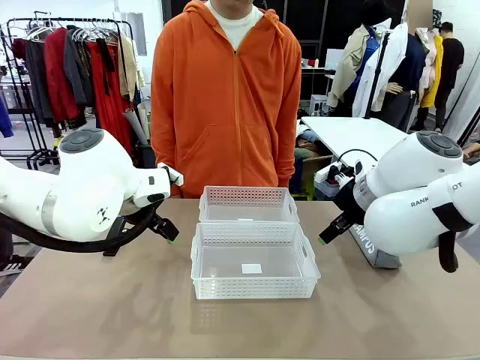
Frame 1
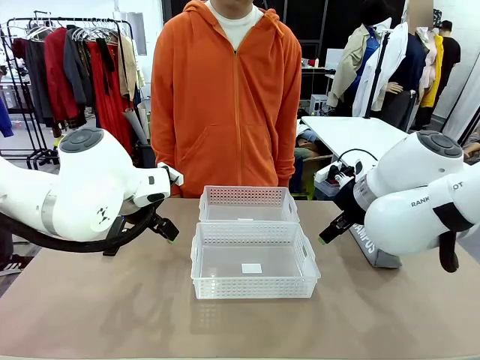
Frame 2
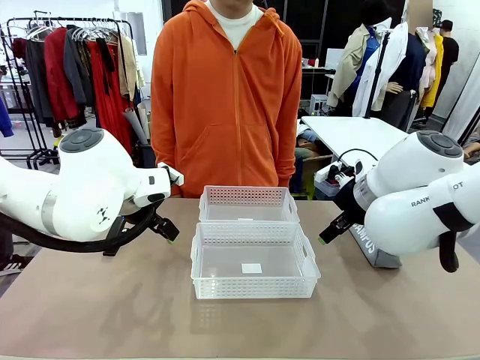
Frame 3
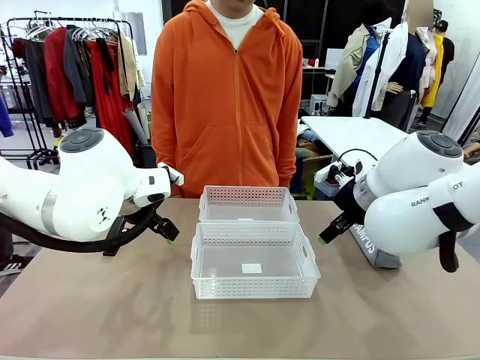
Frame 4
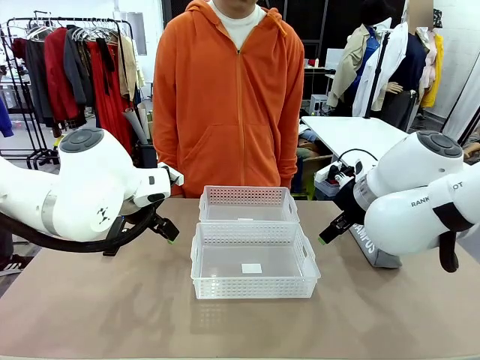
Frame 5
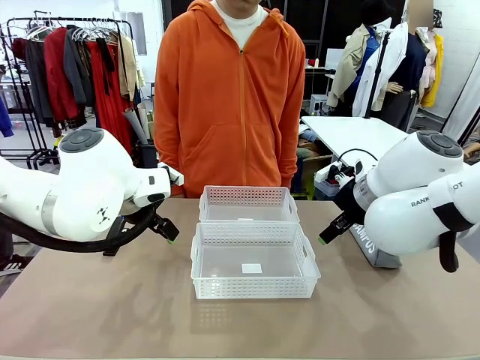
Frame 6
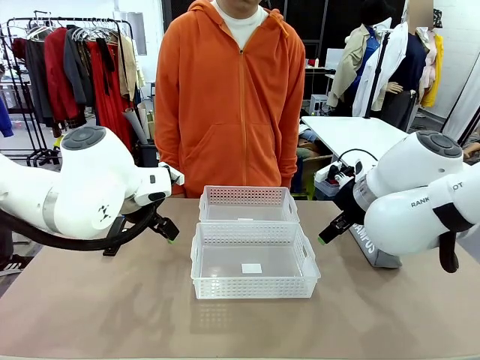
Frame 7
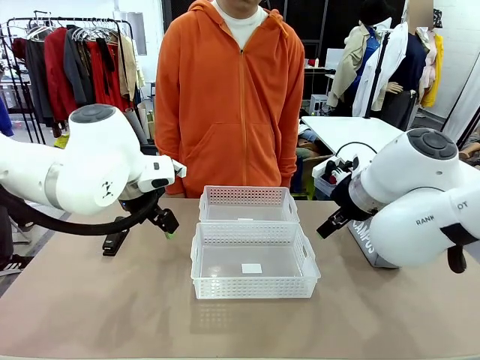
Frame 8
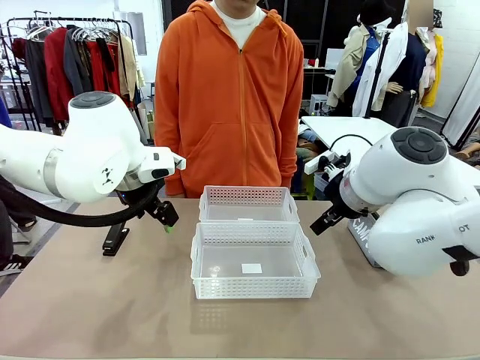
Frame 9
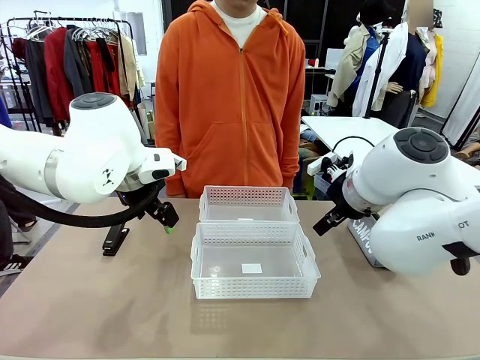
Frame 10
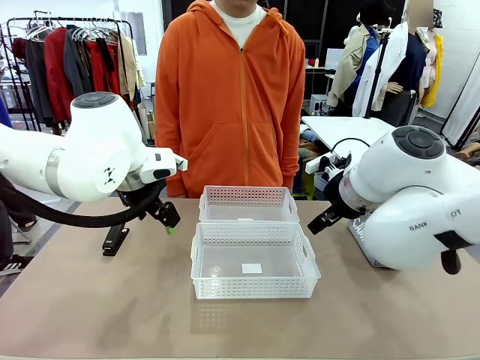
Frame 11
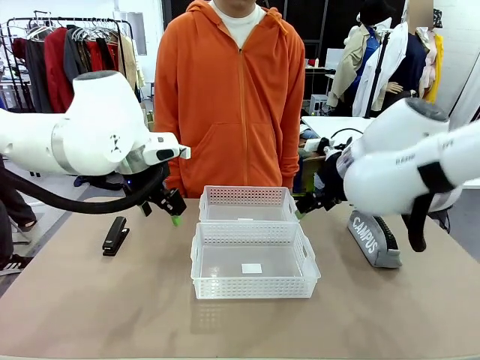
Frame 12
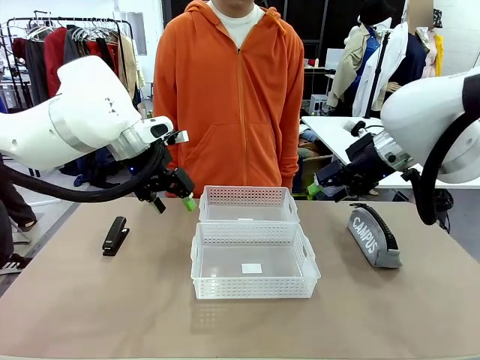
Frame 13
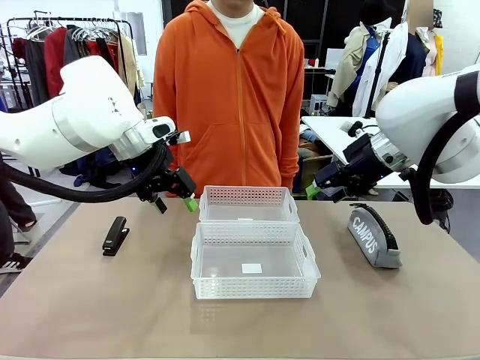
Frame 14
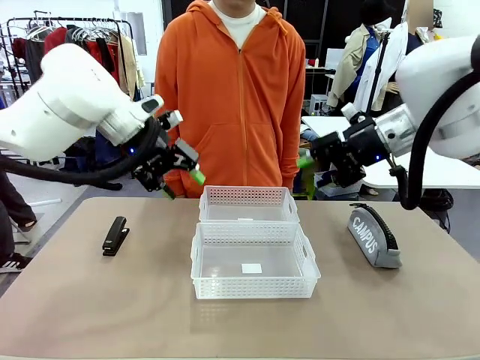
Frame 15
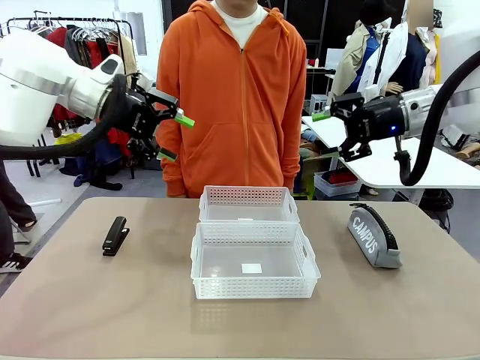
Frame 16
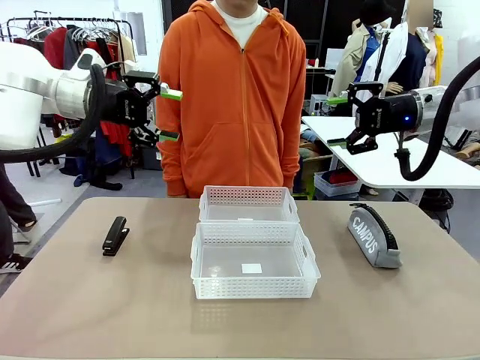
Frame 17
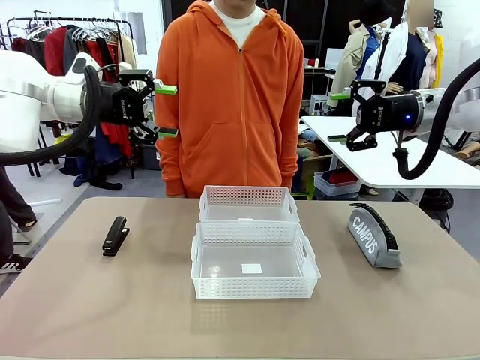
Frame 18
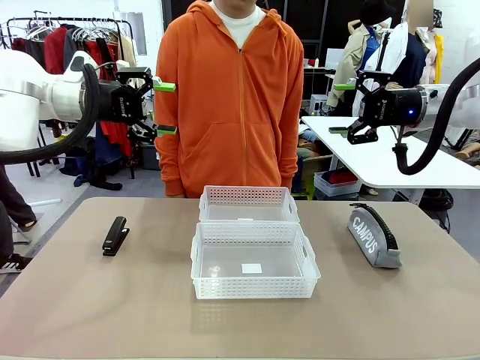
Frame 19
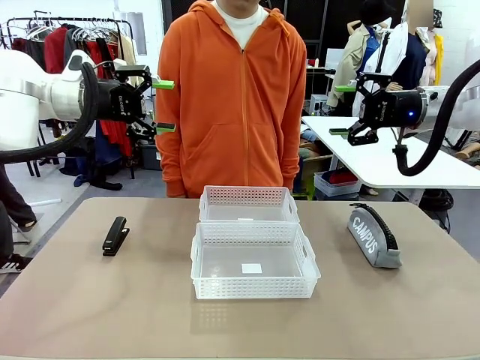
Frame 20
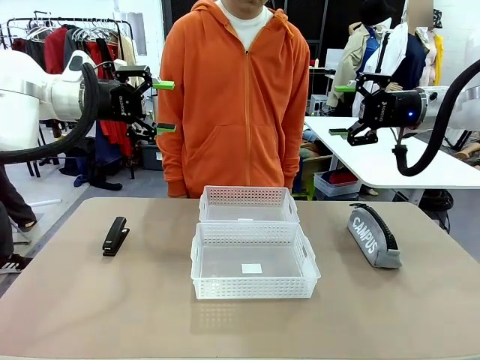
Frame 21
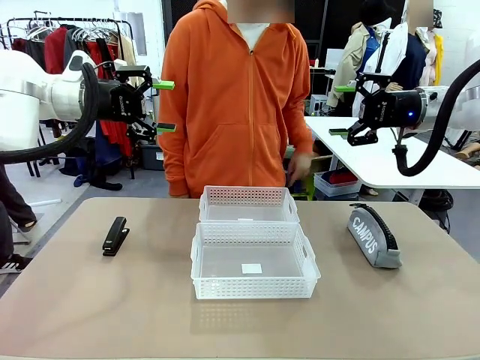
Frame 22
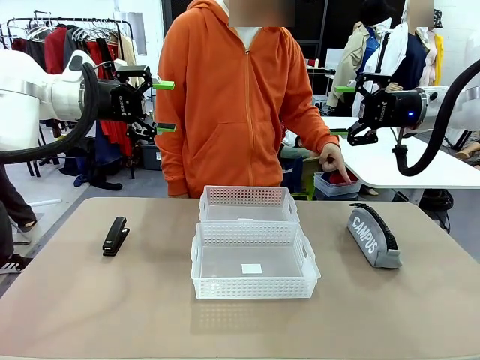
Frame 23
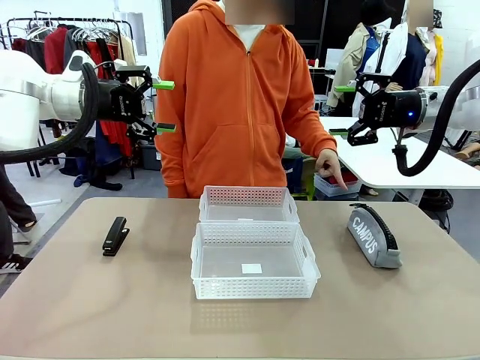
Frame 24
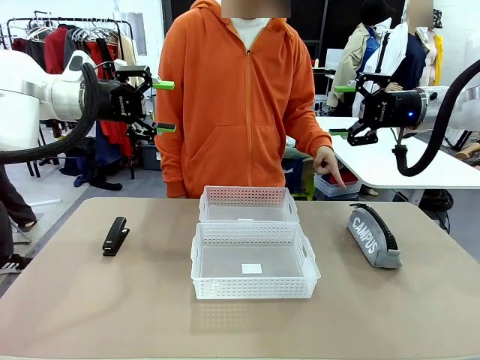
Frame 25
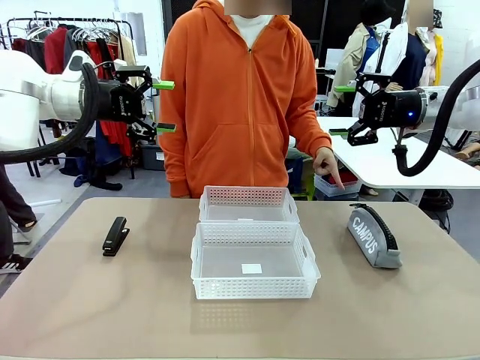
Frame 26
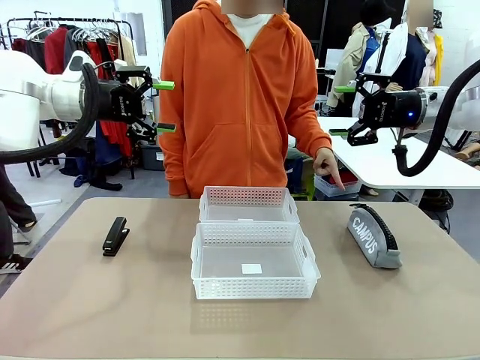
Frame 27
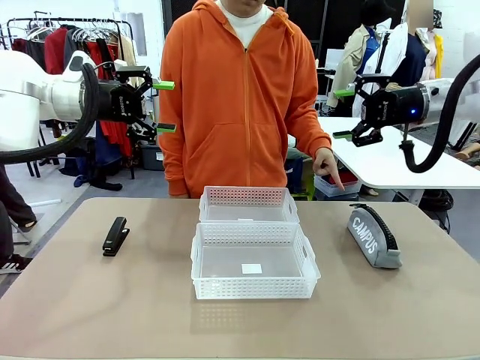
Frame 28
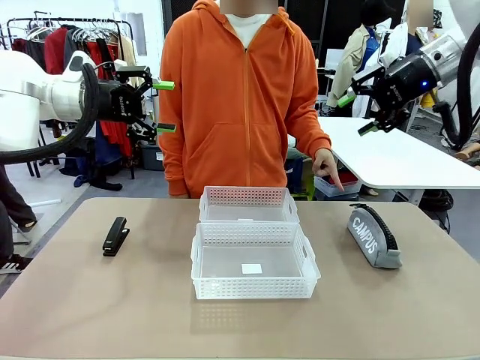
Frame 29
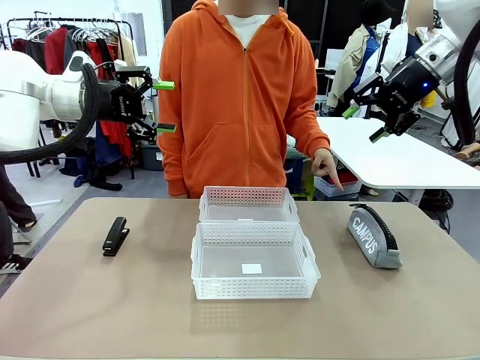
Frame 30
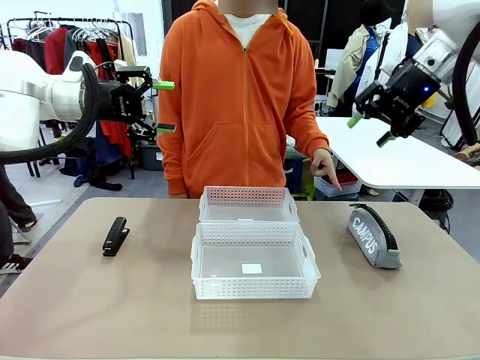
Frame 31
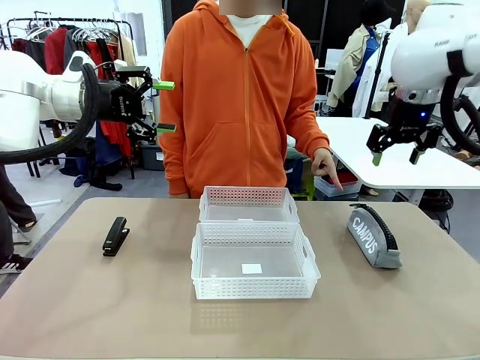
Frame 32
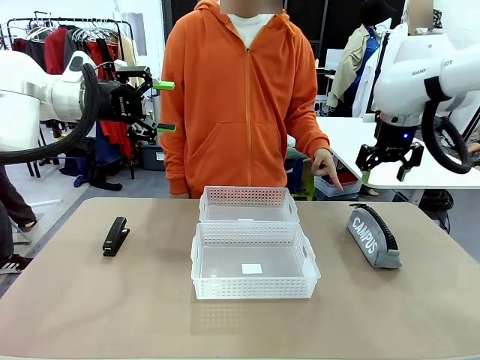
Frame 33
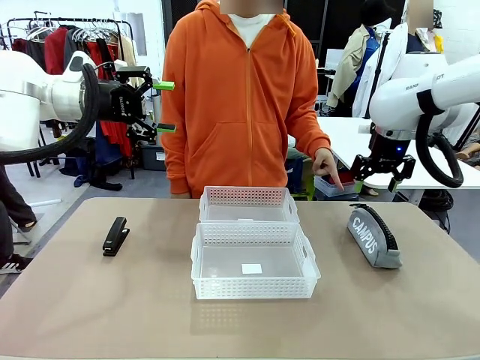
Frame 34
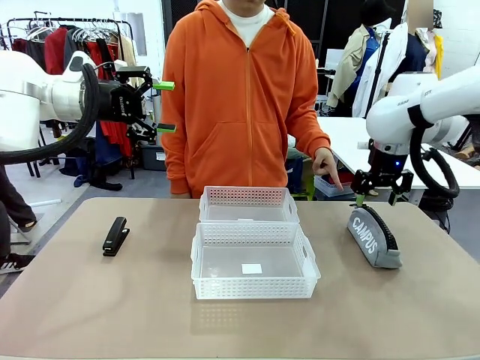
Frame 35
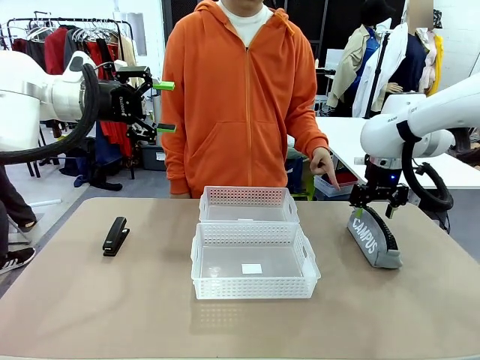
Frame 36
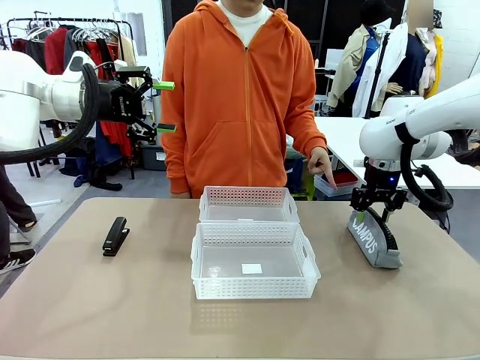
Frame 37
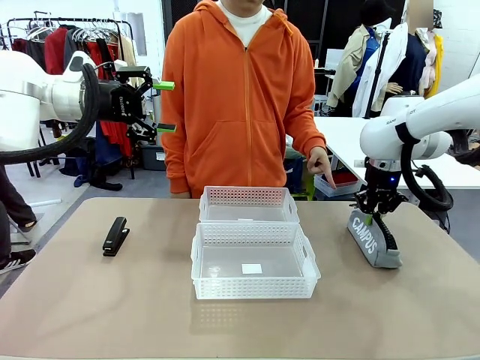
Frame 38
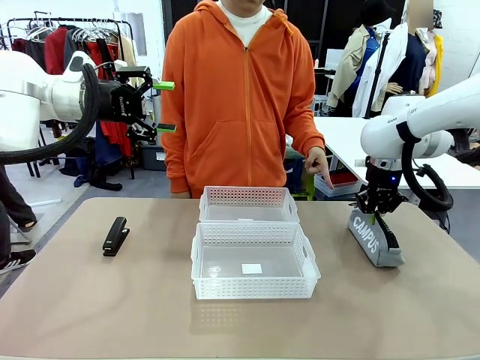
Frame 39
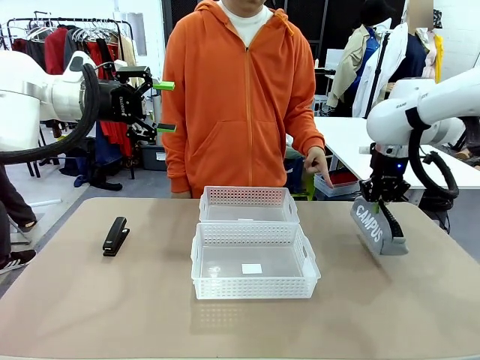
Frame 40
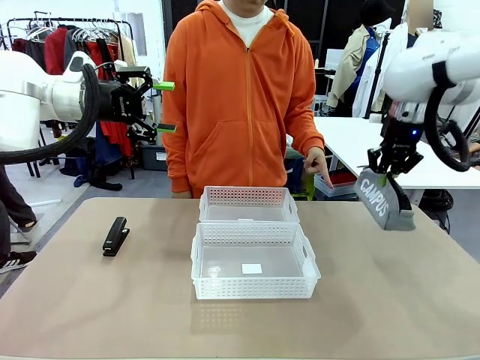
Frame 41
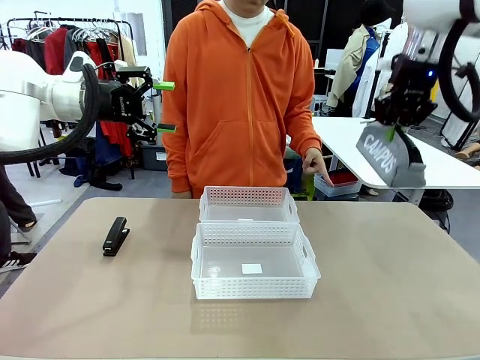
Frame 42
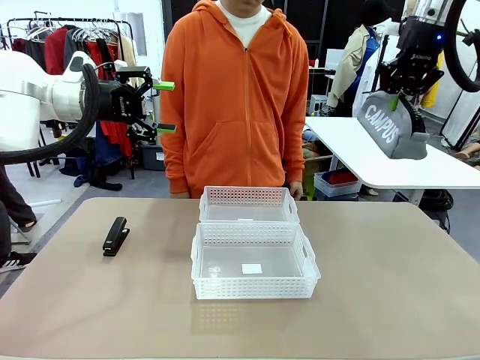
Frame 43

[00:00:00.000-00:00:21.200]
Task: Distribute items into two baskets.
Robot: Pick up the Pencil pouch that the person points to.
Person: Points to the pencil case. Points between the two organizing baskets and instructs the robot to move the pencil case.

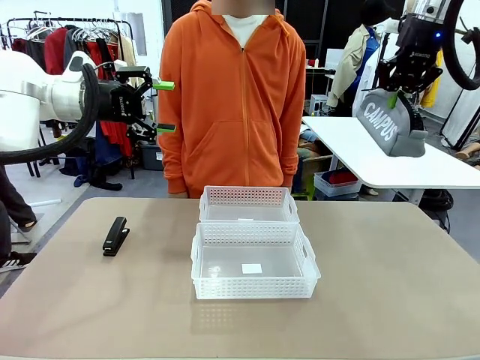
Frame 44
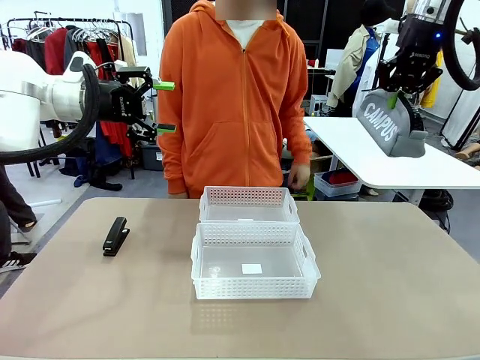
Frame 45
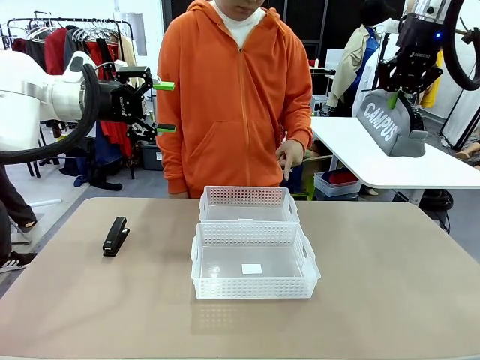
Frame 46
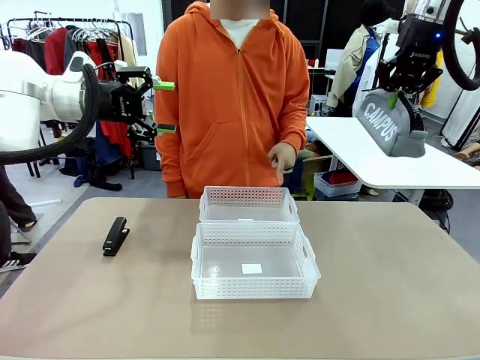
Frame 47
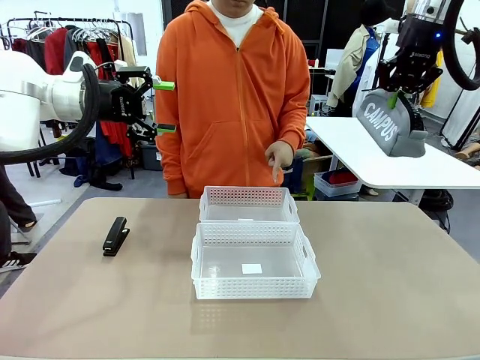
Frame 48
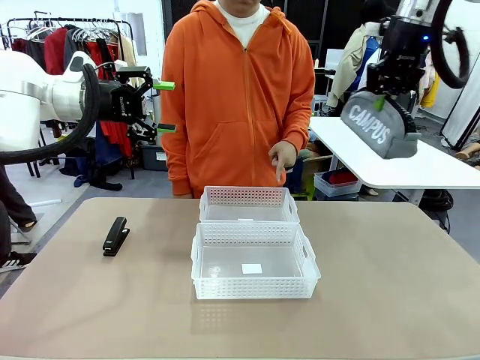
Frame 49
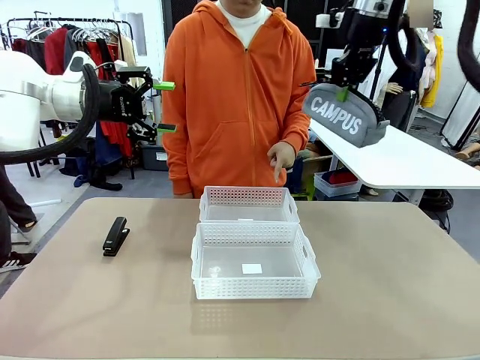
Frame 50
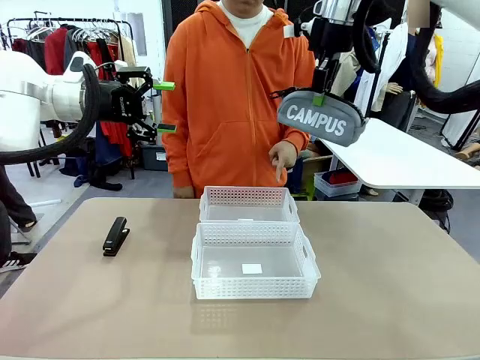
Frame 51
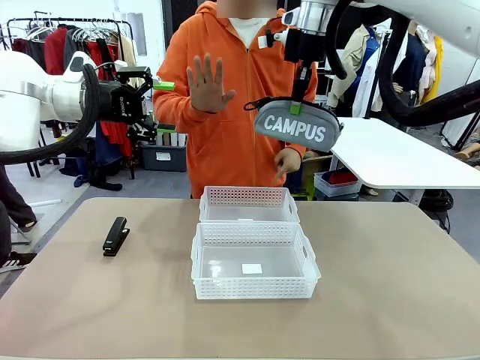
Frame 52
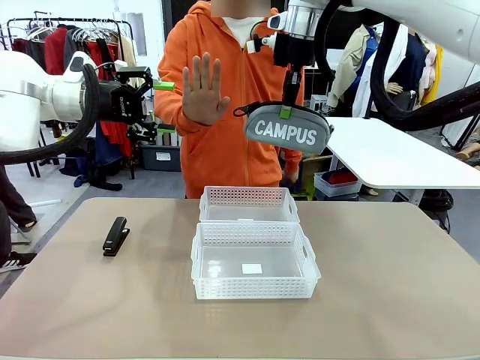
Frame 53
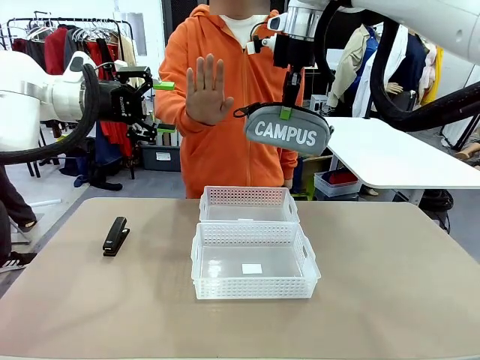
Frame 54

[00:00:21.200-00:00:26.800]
Robot: Move the picked Pencil pouch towards the Organizing basket indicated by the person, stopping as directed.
Person: Sends a stop gesture before the robot places the pencil case into the basket.
